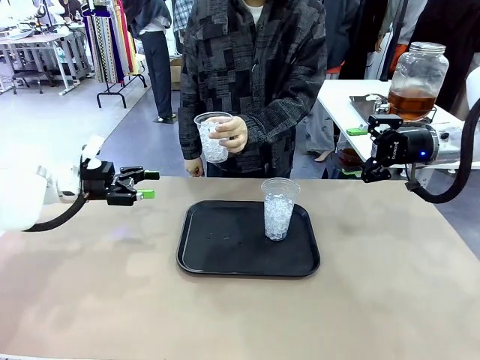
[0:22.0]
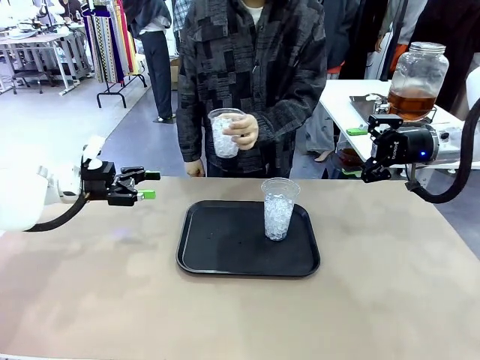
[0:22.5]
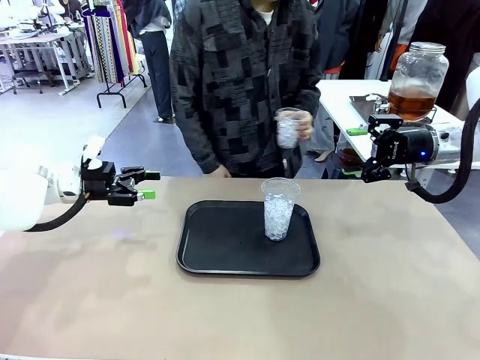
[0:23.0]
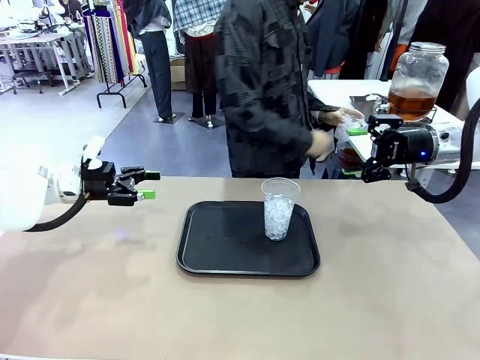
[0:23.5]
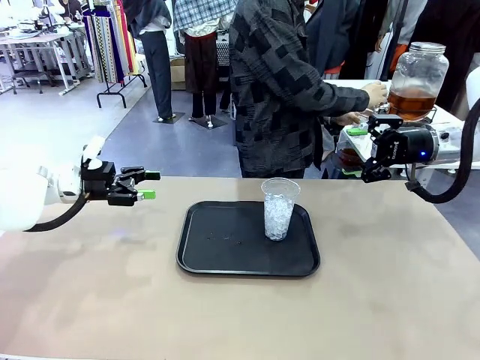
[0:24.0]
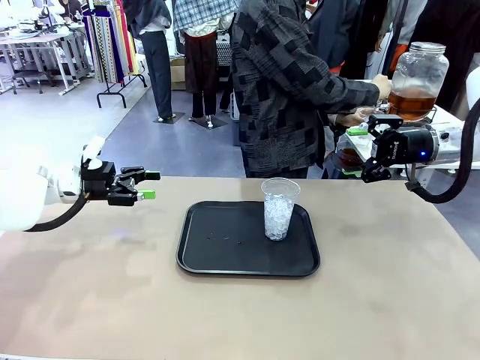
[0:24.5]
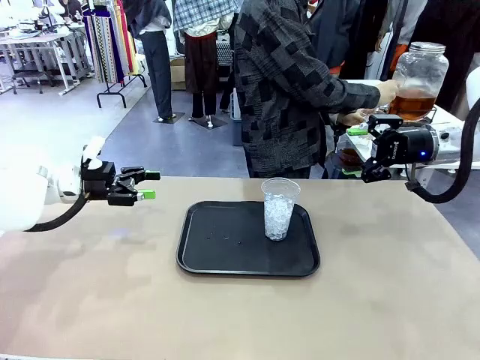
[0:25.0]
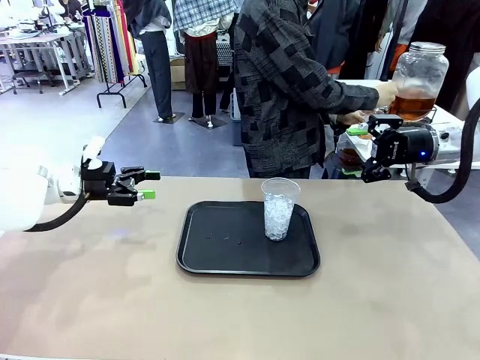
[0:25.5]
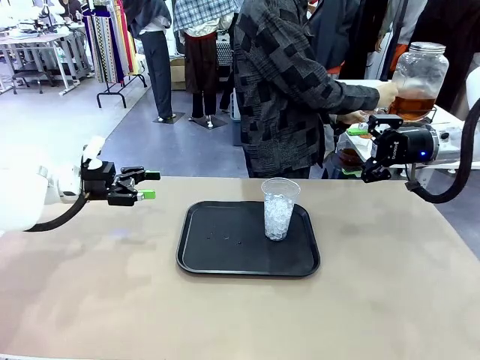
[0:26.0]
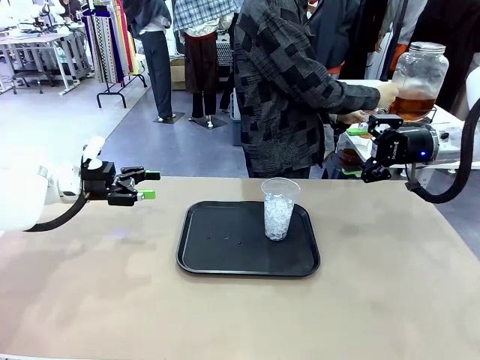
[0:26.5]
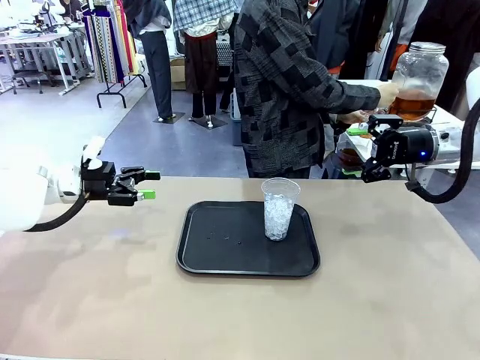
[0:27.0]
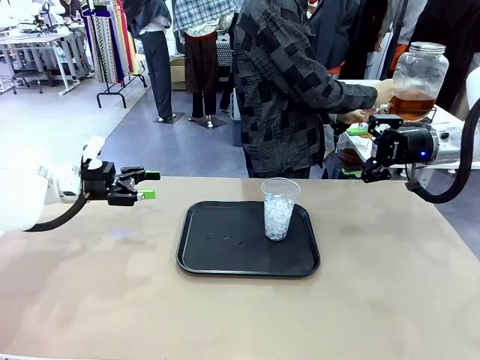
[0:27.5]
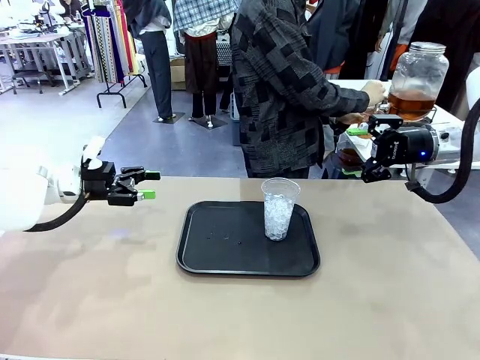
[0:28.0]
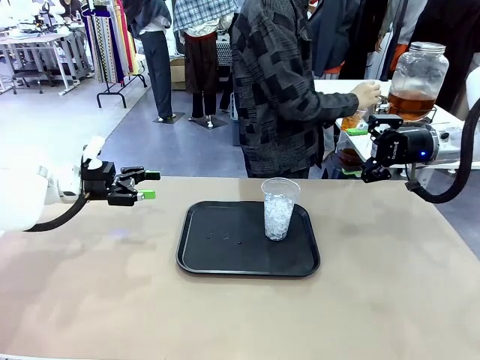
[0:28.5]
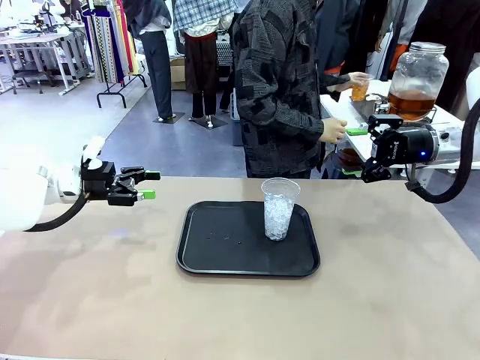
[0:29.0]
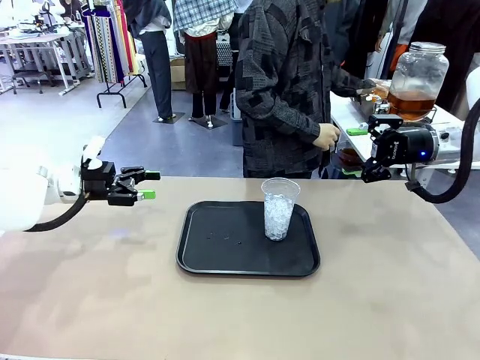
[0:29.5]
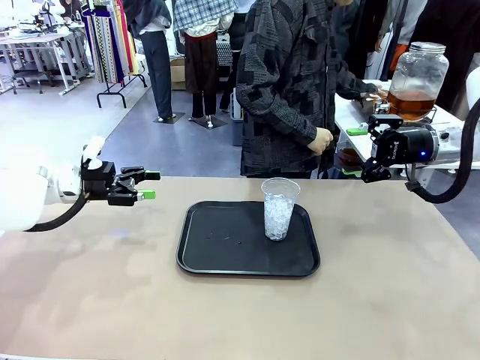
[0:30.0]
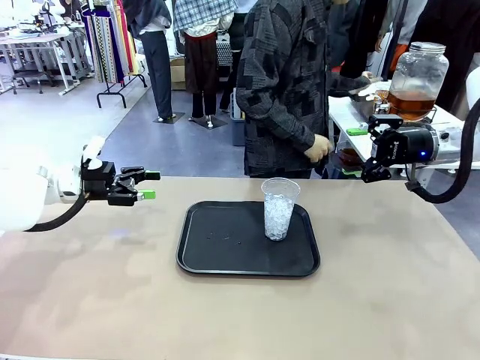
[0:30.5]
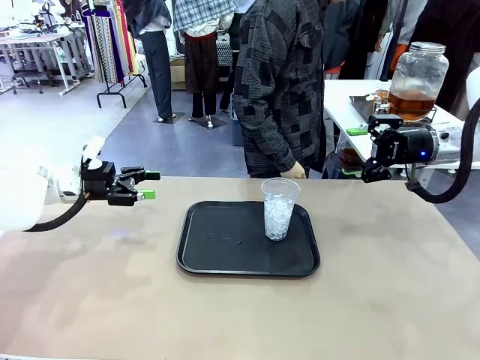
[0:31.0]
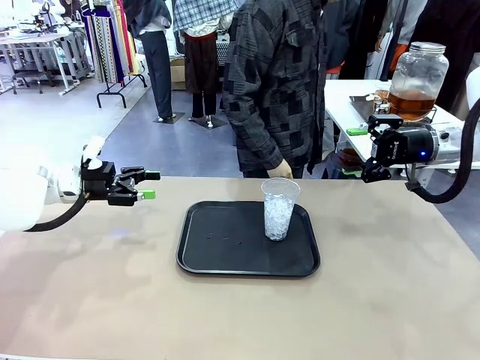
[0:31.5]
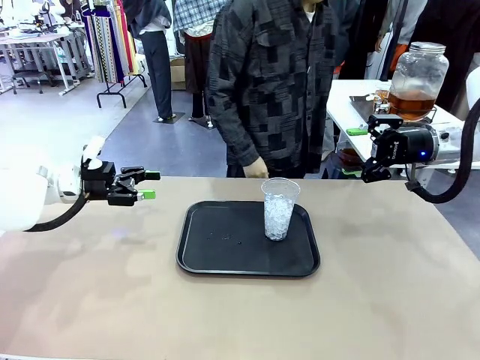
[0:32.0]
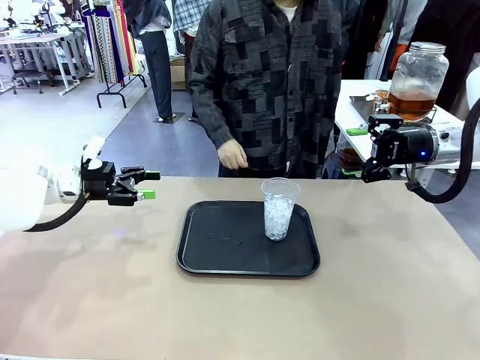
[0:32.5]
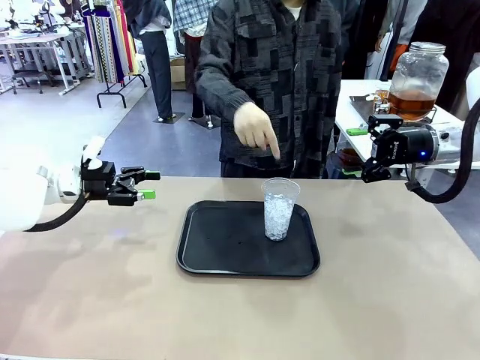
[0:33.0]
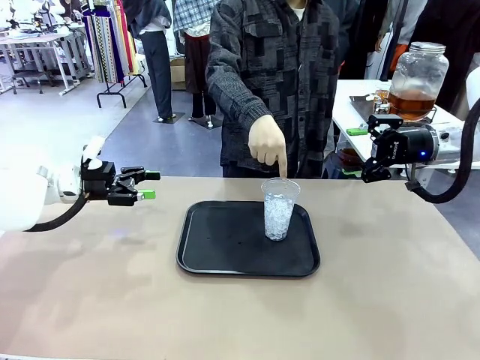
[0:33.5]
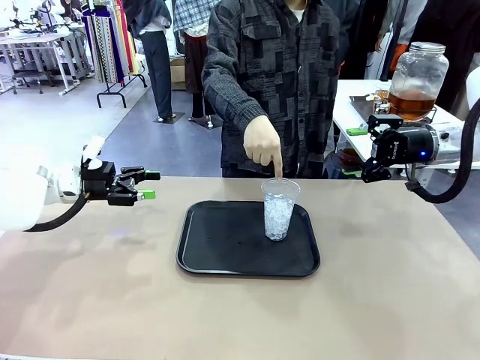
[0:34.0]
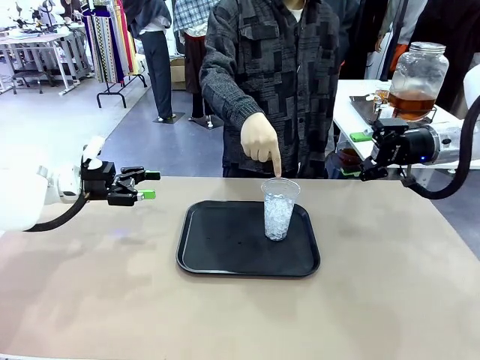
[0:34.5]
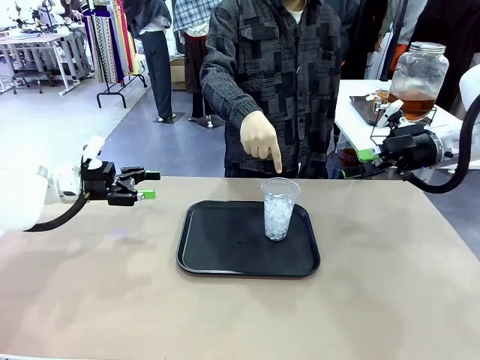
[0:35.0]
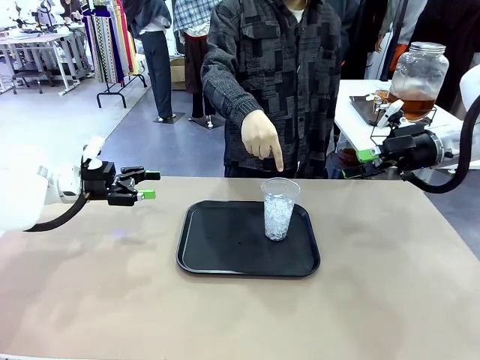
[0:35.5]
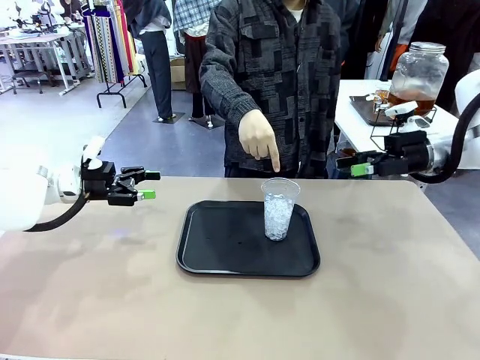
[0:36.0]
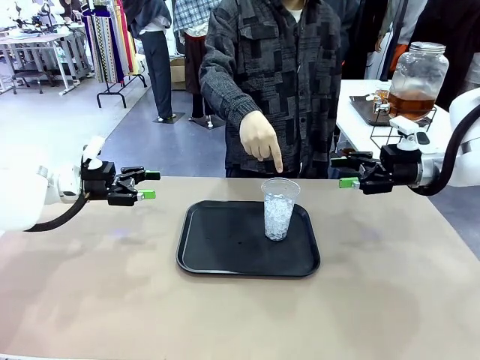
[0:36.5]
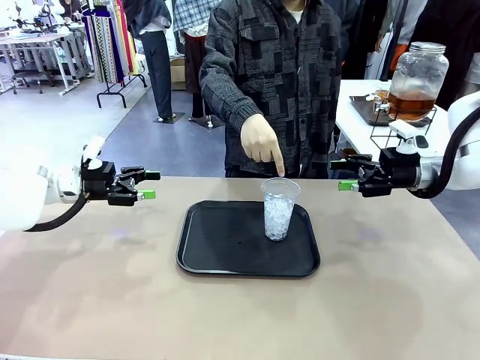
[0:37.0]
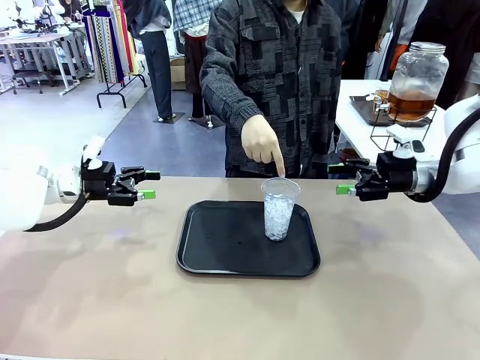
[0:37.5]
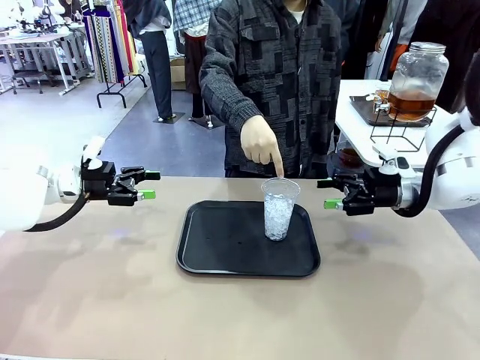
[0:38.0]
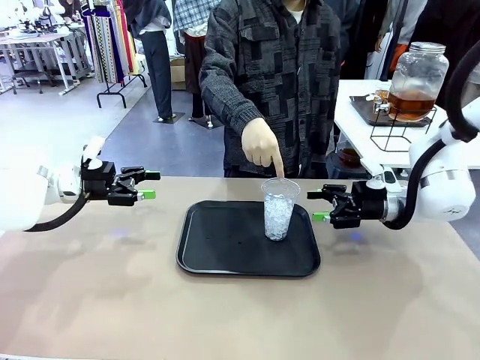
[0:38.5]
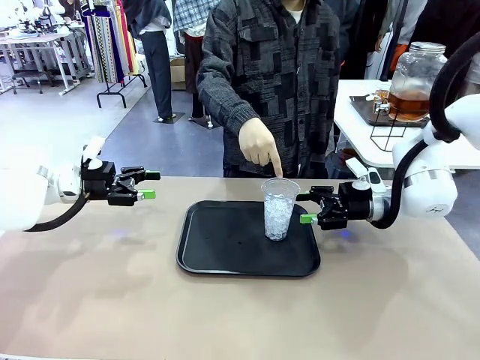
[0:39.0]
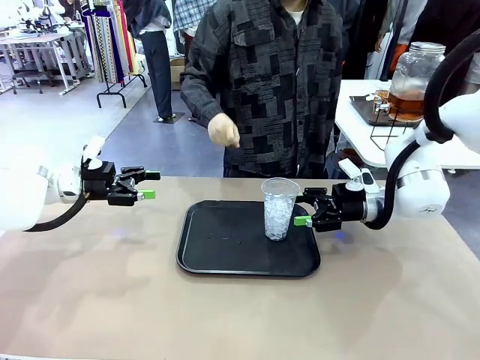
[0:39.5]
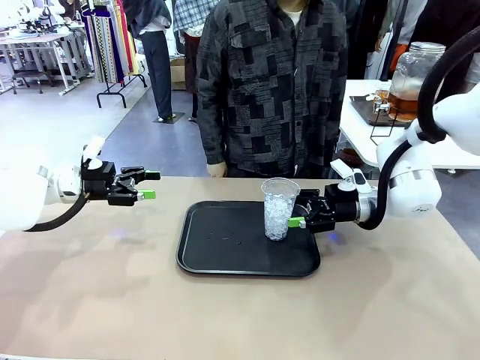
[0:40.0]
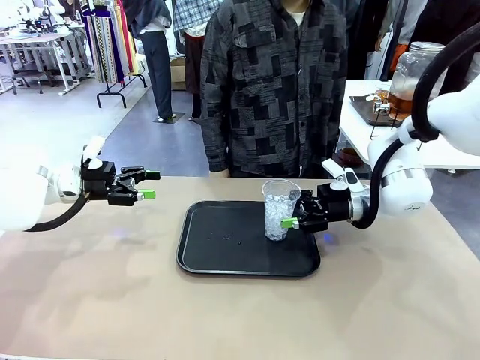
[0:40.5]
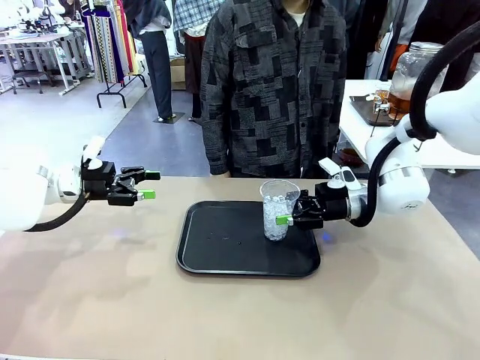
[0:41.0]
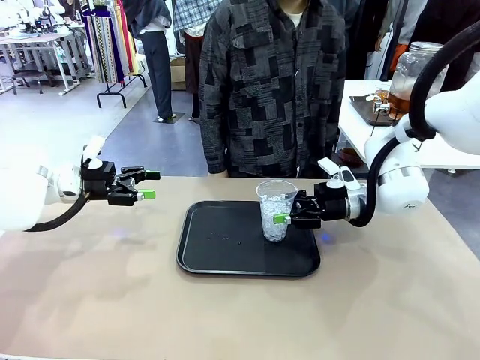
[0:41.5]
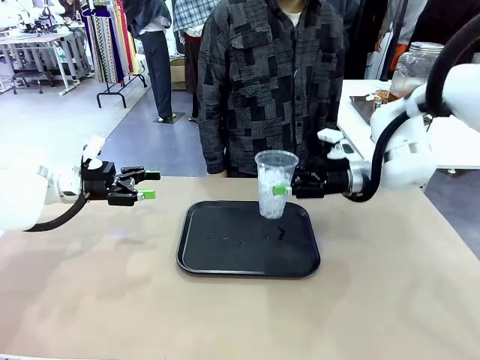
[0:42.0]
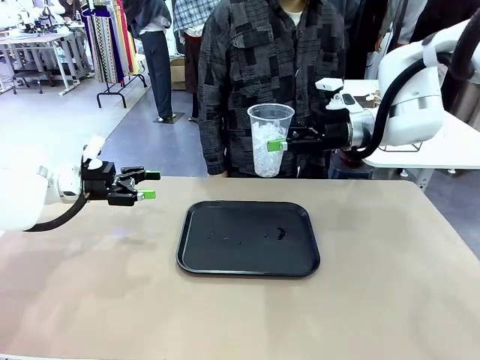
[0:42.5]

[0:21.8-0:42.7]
Task: Pour the drink into the iced cup.
Robot: Pick up the iced cup indicated by the human and present it to them.
Person: Move the picked-up cup under the dispenser faucet, pour the drink, and place it on the tray on the human table. Point to the remaining ice cup on the robot table. Pick up the cup offered by the robot.
